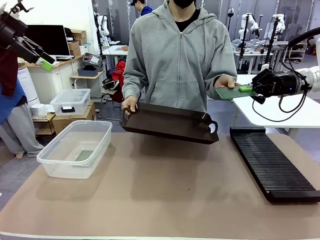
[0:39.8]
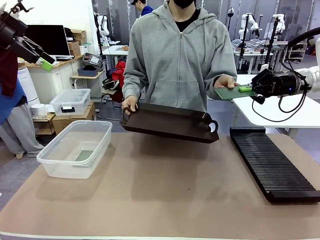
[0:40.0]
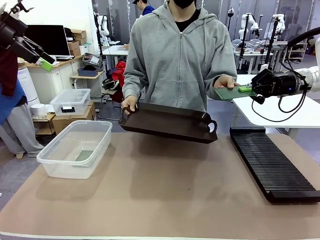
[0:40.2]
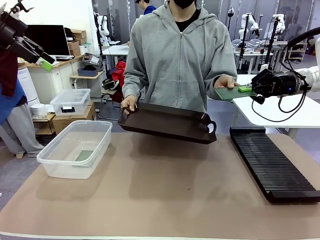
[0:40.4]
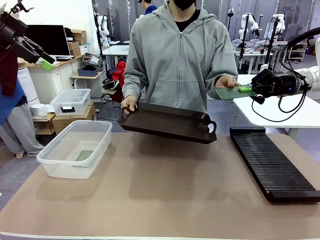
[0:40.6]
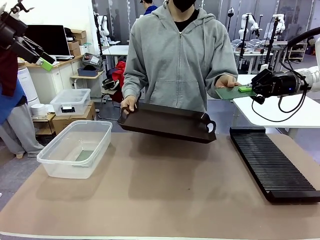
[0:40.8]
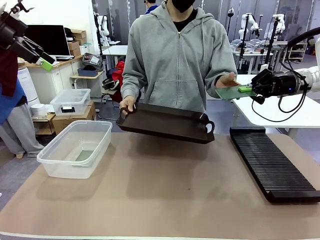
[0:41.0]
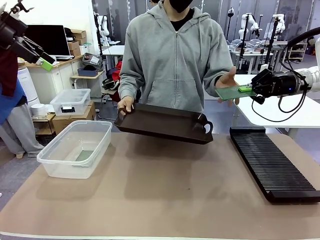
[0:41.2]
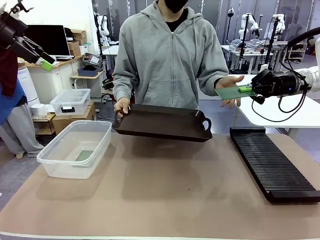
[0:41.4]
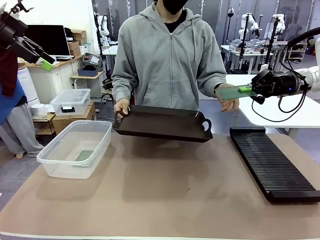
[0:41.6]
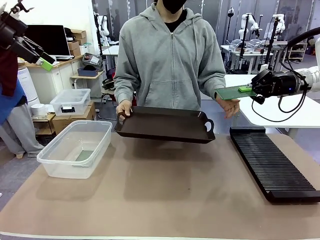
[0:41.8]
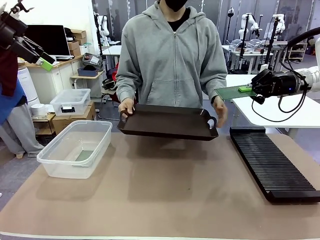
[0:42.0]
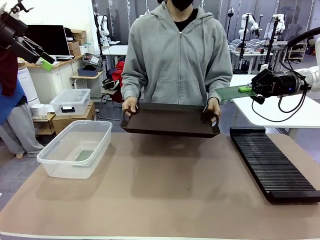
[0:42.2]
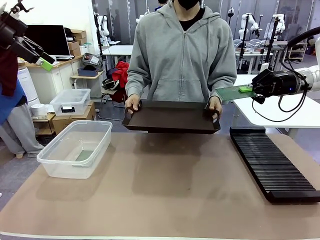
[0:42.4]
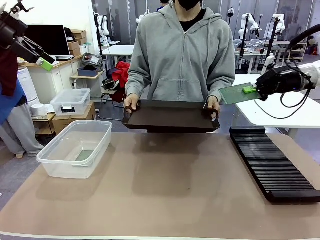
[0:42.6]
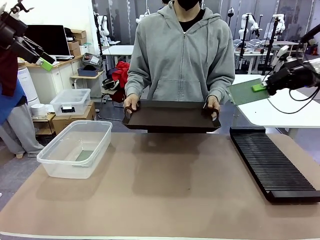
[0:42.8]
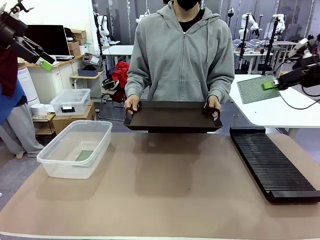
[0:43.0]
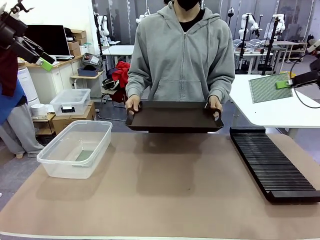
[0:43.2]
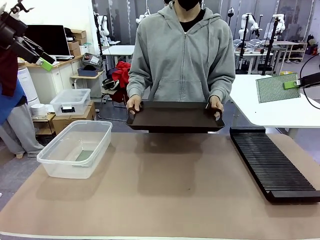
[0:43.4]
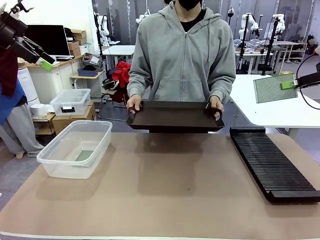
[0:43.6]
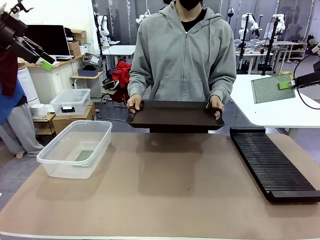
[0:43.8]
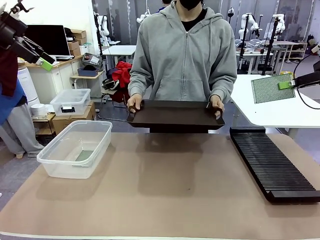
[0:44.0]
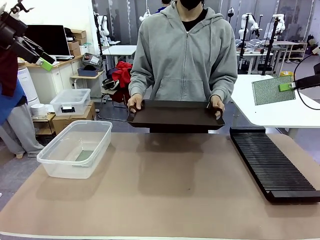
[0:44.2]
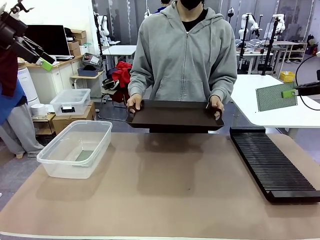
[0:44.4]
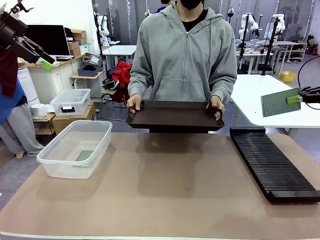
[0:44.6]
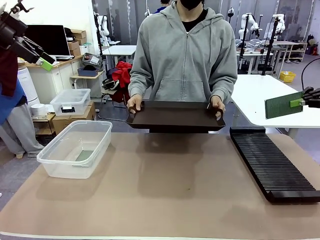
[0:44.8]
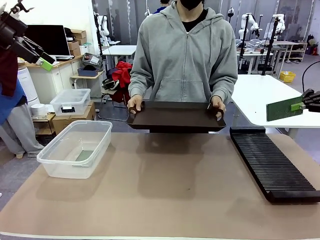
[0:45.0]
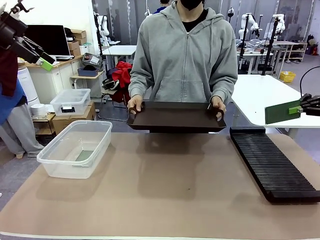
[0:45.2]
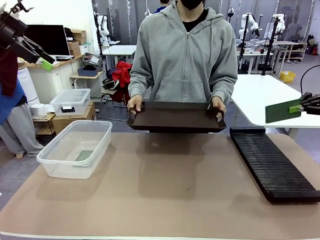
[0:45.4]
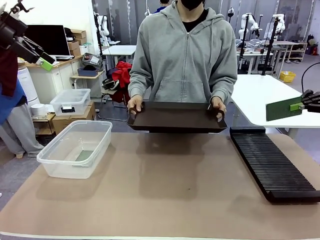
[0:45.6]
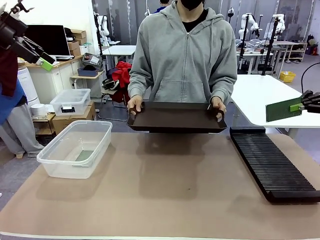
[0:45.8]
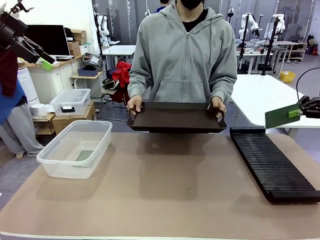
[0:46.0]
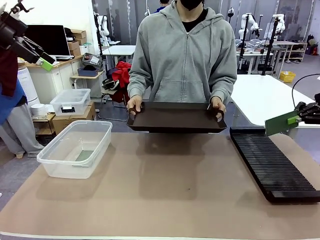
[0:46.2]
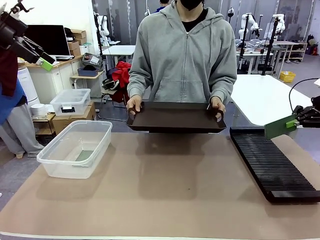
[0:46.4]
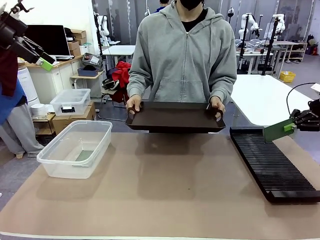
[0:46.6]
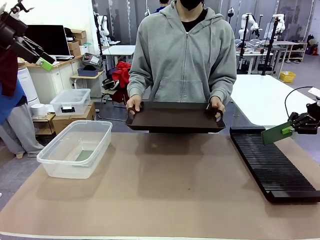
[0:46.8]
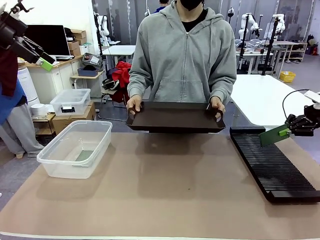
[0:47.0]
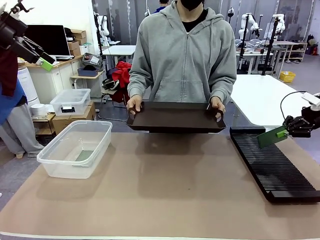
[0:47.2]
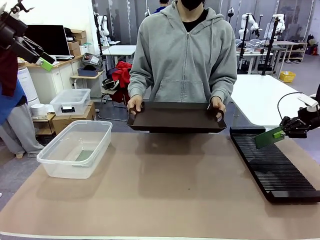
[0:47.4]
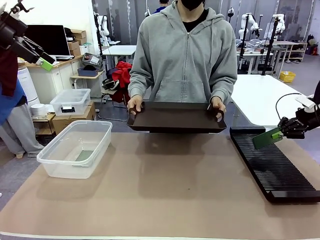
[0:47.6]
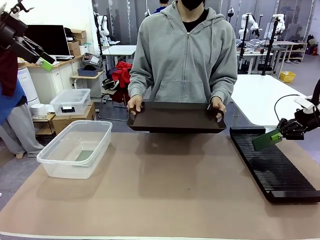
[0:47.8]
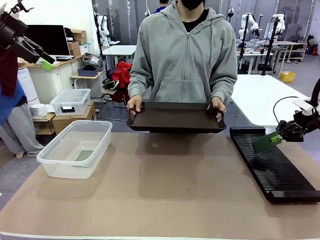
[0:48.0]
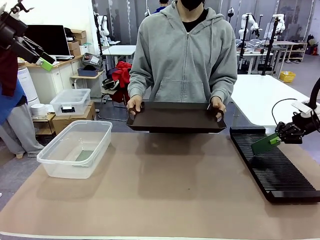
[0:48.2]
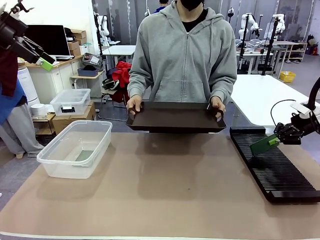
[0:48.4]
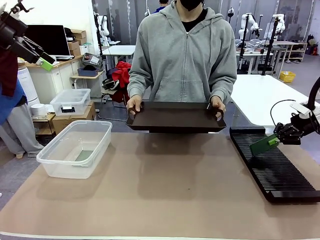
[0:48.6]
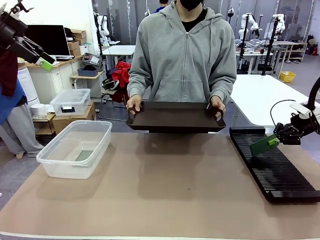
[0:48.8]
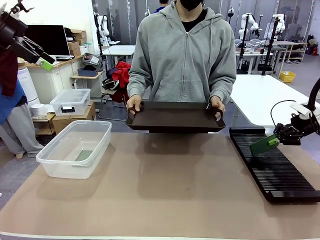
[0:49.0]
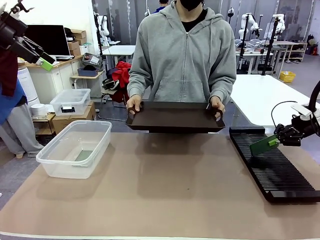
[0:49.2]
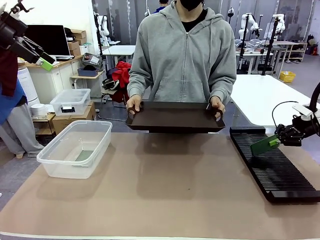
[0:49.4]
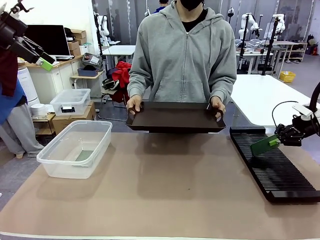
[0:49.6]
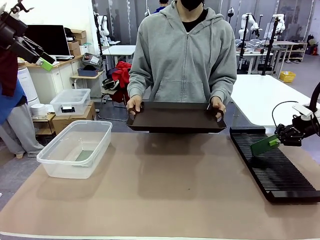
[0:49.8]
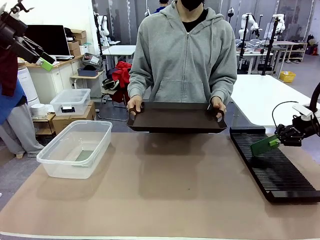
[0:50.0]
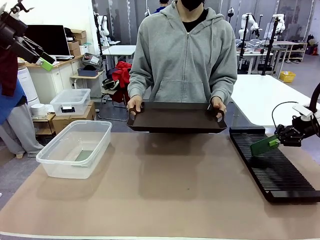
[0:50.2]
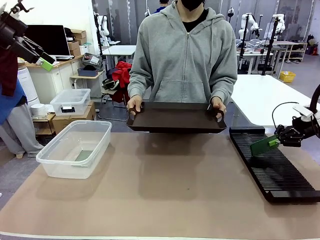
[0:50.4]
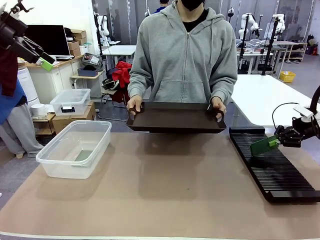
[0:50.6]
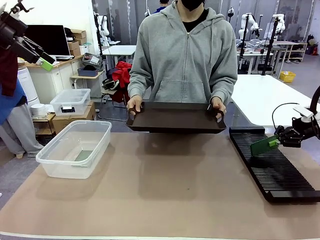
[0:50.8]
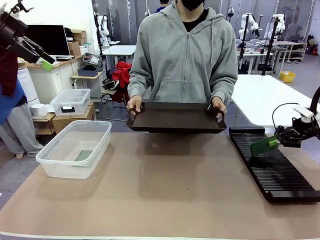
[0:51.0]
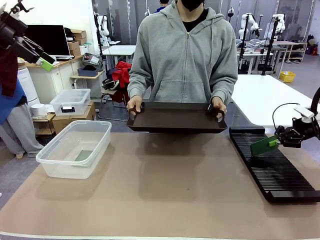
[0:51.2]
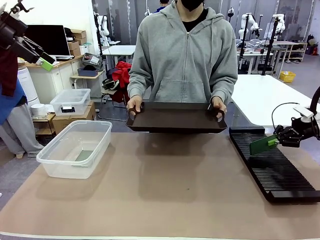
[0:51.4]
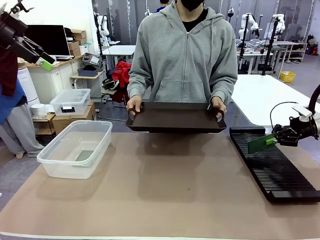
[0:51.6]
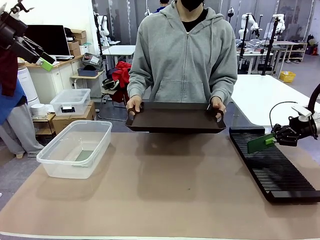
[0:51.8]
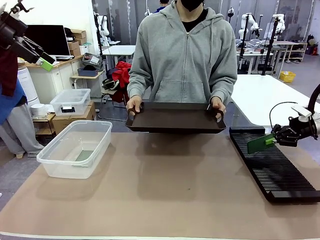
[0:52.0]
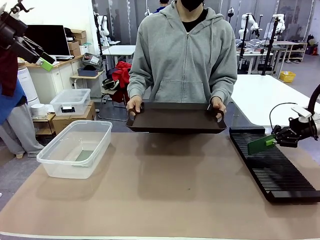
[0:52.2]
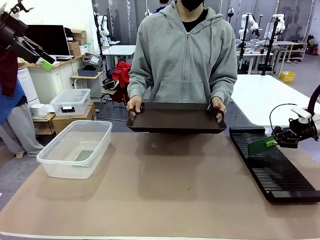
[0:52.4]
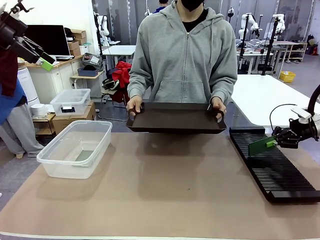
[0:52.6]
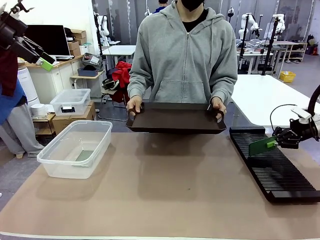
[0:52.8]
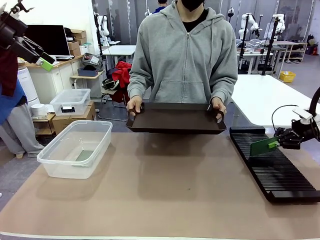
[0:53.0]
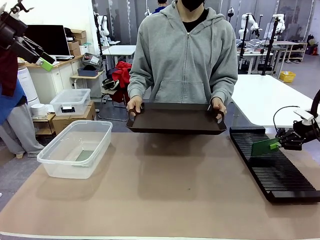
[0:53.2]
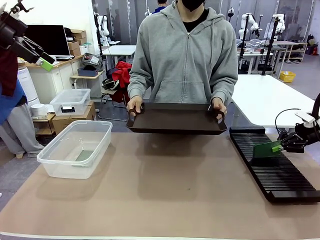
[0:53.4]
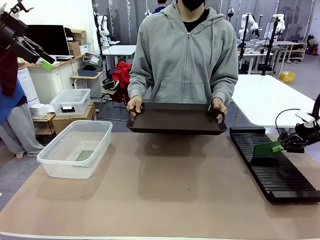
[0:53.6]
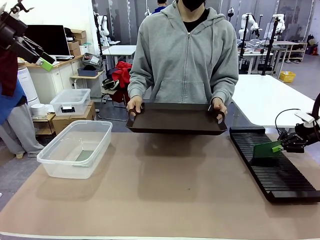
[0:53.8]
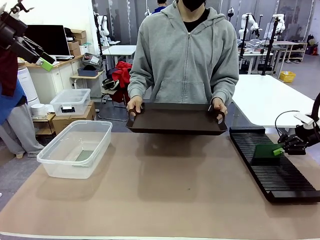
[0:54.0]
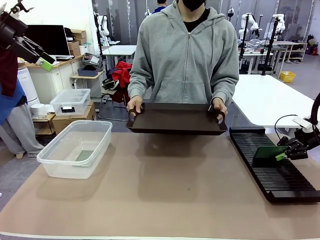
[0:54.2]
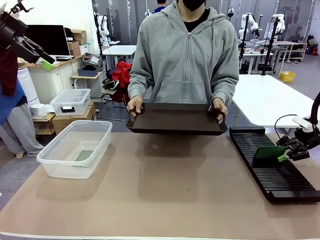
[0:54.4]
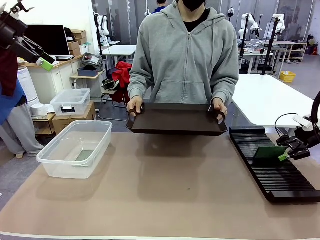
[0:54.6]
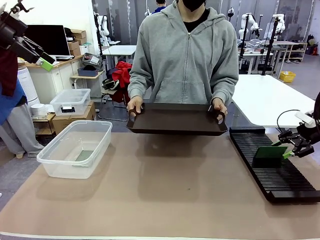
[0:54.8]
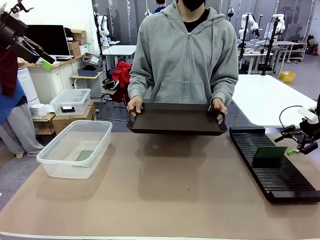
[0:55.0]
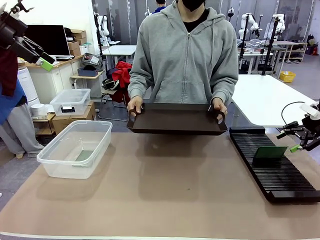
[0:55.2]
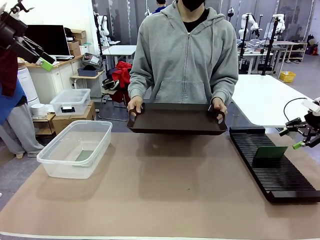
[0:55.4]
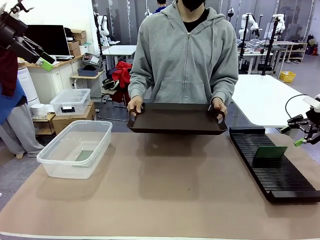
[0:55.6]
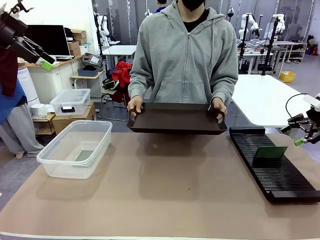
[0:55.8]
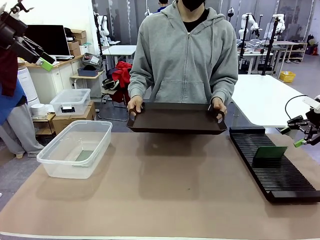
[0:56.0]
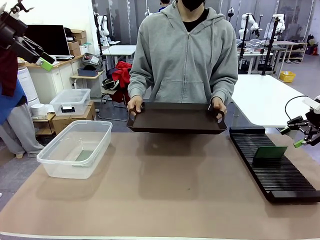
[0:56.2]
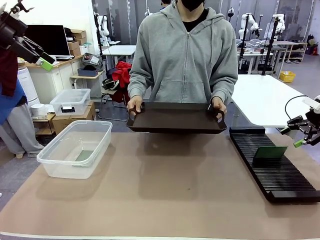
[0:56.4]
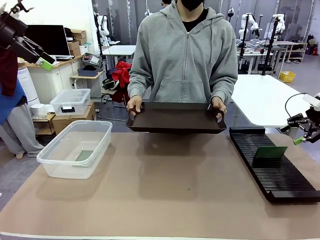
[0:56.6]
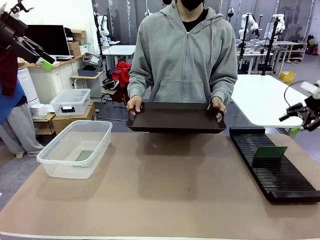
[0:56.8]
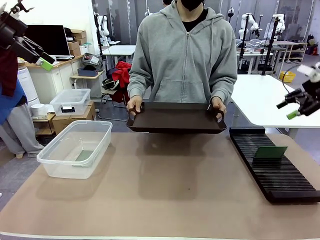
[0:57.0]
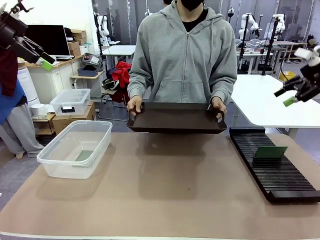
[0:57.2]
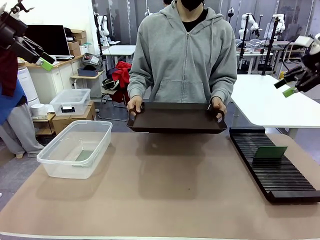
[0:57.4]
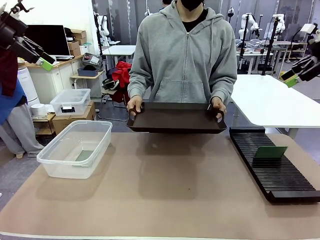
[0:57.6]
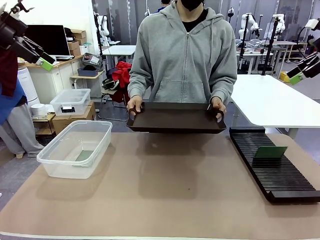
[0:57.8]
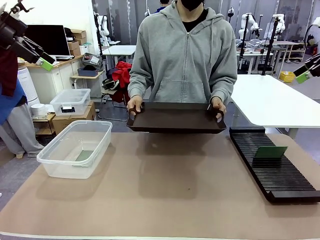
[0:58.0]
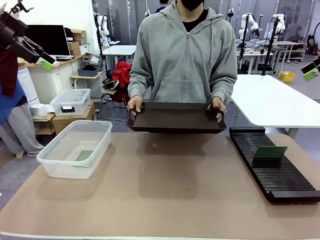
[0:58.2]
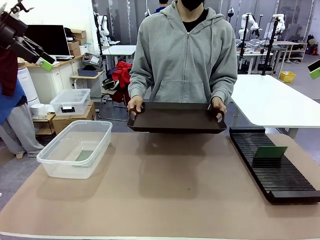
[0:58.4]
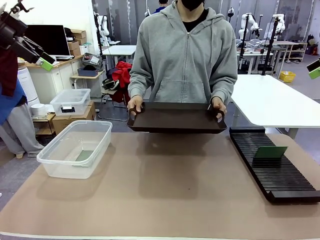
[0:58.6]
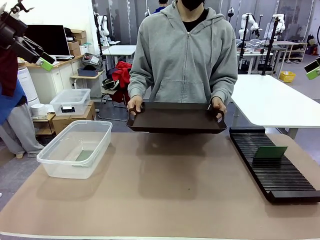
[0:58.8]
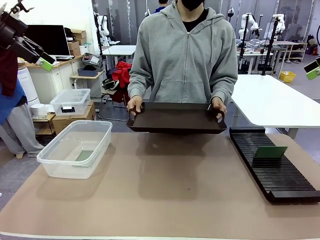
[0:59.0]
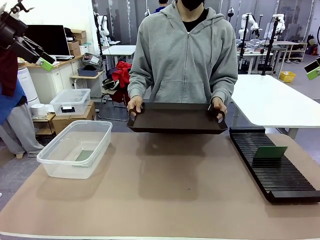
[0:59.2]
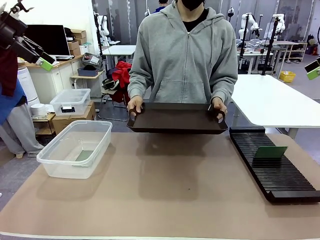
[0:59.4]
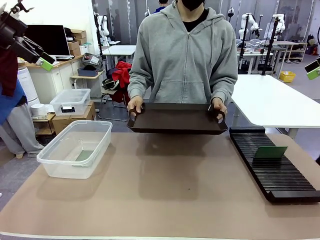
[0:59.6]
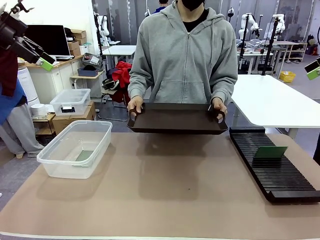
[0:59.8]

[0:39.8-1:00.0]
Task: Sort PCBs into racks and boxes based on the side picked up.
Robot: If the short side of the Blank PCB is picked up, insert it into the PCB Rack ; if the long side is picked up, place it in the Organizing box.
Person: Release the PCB being held.
